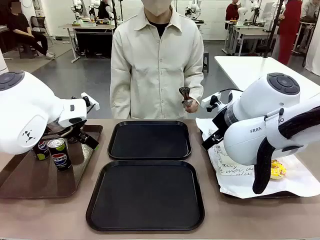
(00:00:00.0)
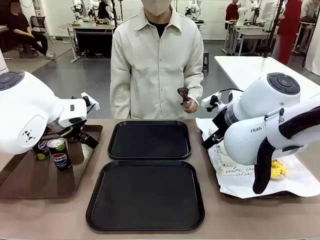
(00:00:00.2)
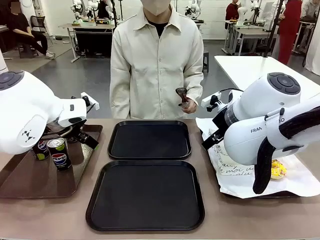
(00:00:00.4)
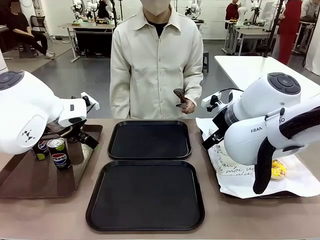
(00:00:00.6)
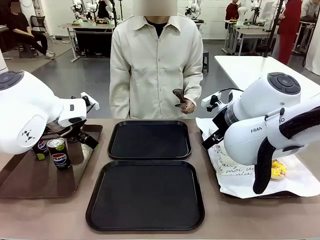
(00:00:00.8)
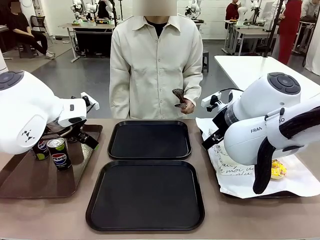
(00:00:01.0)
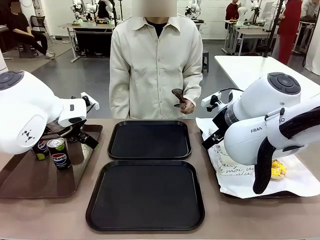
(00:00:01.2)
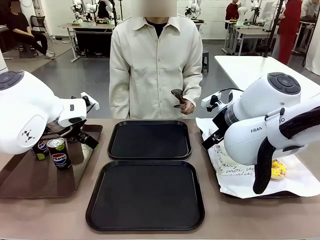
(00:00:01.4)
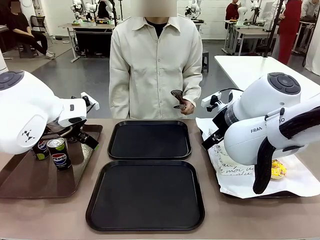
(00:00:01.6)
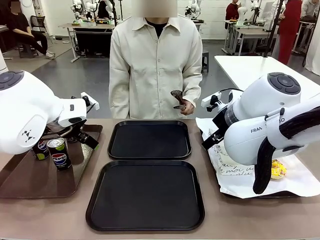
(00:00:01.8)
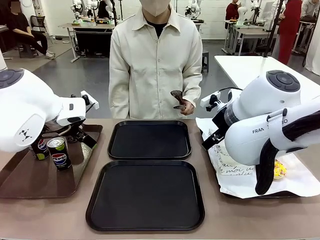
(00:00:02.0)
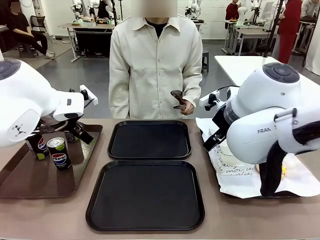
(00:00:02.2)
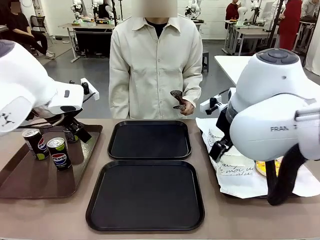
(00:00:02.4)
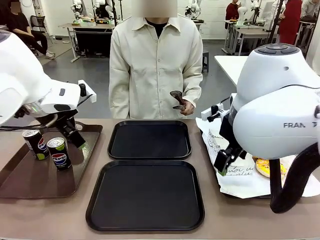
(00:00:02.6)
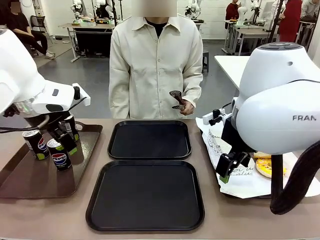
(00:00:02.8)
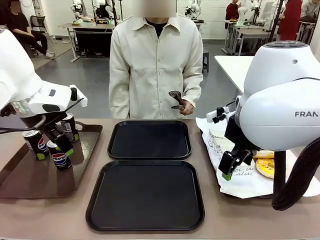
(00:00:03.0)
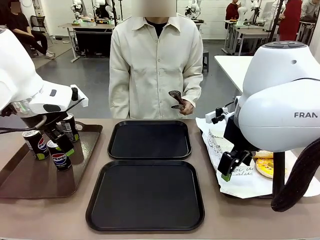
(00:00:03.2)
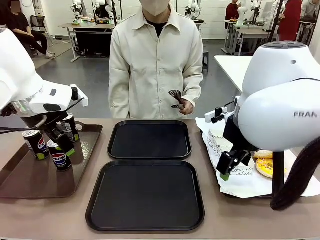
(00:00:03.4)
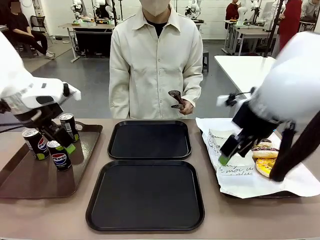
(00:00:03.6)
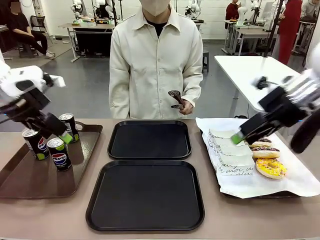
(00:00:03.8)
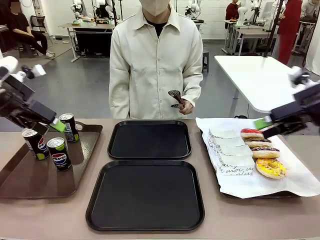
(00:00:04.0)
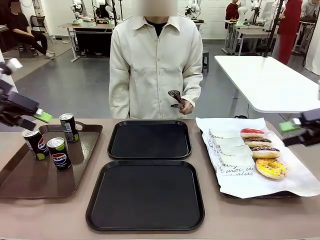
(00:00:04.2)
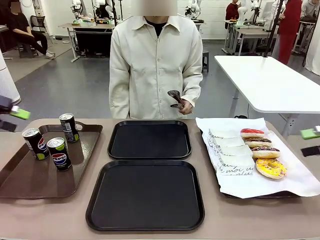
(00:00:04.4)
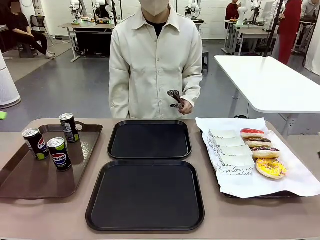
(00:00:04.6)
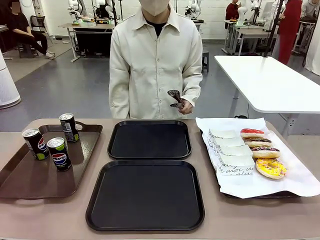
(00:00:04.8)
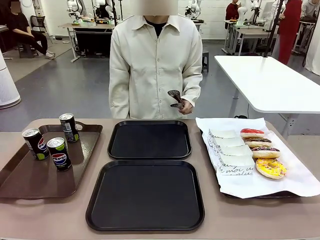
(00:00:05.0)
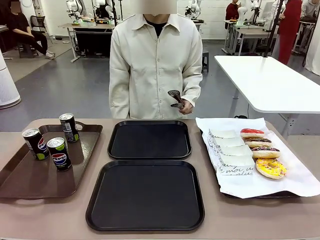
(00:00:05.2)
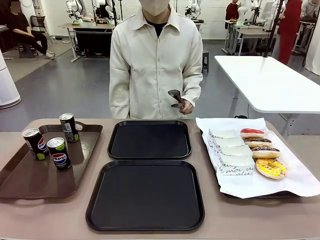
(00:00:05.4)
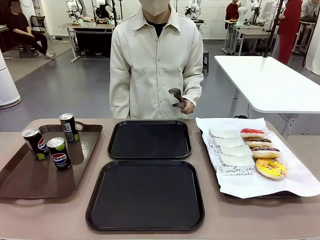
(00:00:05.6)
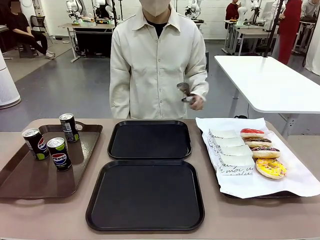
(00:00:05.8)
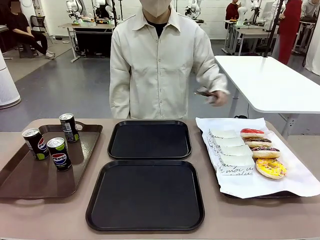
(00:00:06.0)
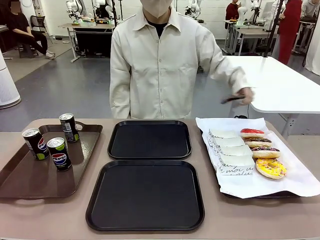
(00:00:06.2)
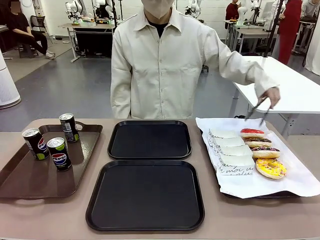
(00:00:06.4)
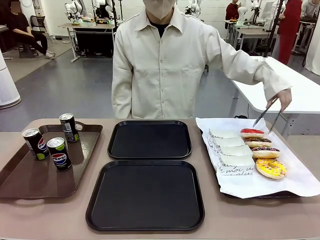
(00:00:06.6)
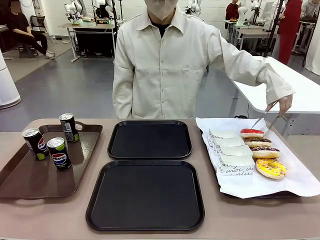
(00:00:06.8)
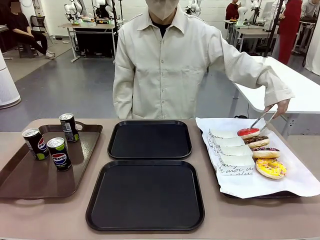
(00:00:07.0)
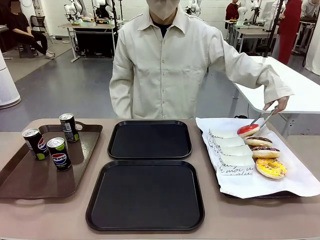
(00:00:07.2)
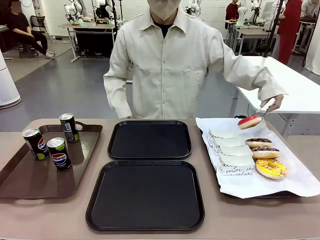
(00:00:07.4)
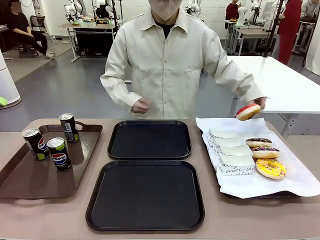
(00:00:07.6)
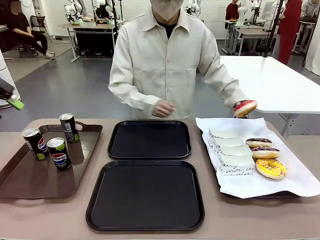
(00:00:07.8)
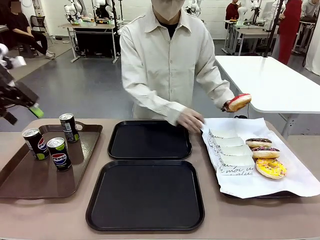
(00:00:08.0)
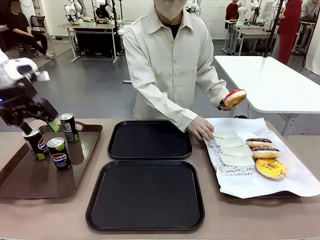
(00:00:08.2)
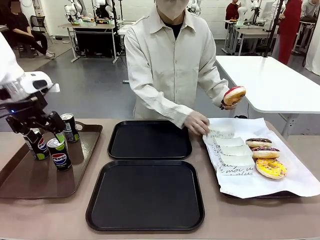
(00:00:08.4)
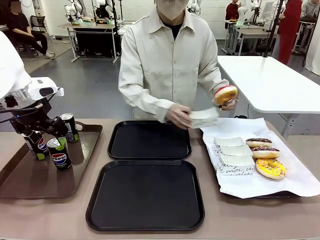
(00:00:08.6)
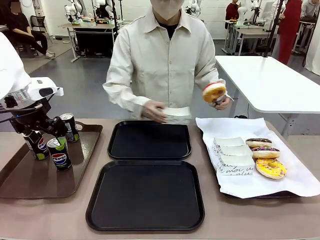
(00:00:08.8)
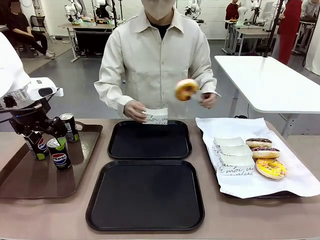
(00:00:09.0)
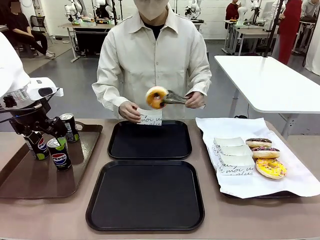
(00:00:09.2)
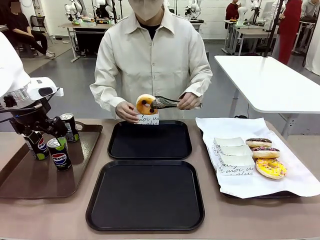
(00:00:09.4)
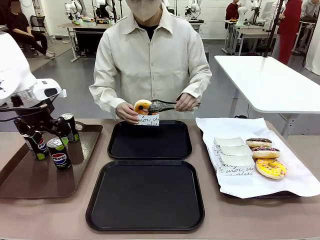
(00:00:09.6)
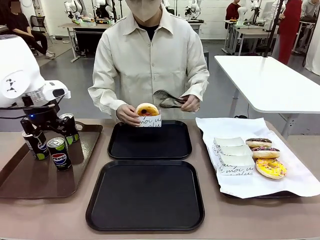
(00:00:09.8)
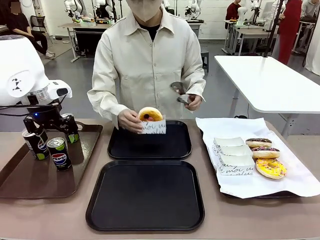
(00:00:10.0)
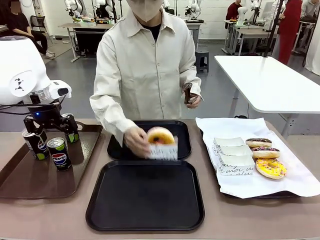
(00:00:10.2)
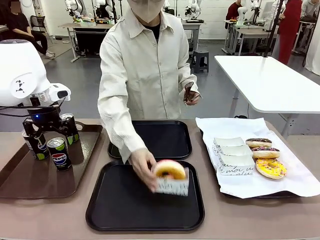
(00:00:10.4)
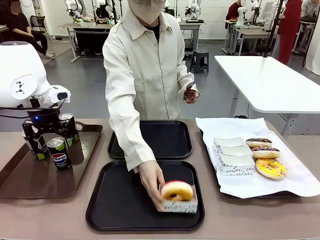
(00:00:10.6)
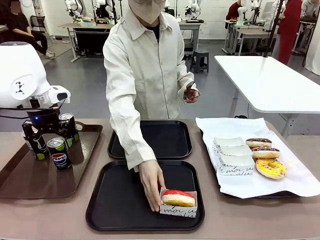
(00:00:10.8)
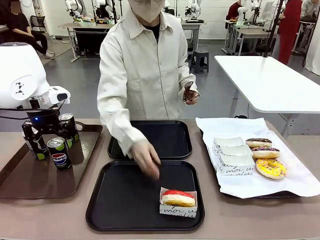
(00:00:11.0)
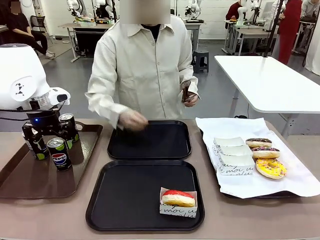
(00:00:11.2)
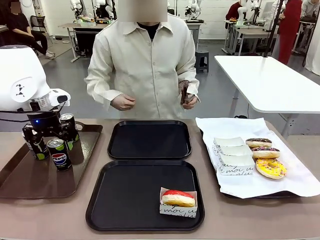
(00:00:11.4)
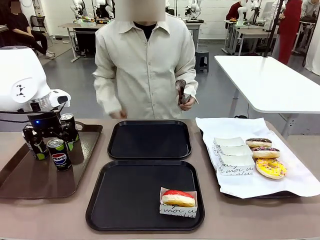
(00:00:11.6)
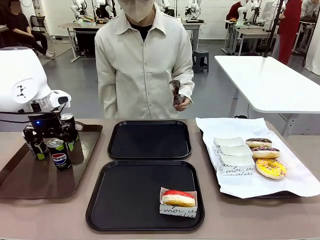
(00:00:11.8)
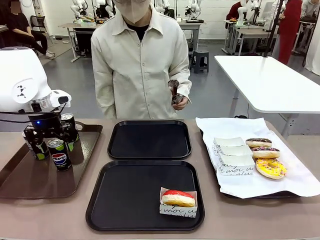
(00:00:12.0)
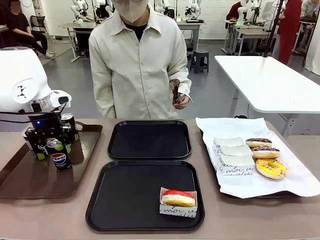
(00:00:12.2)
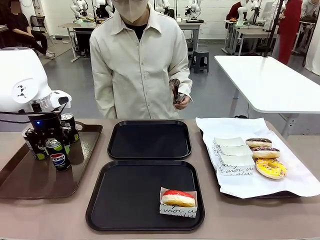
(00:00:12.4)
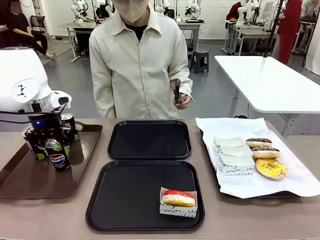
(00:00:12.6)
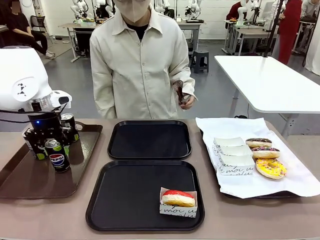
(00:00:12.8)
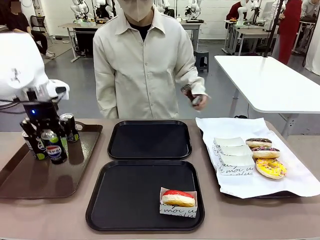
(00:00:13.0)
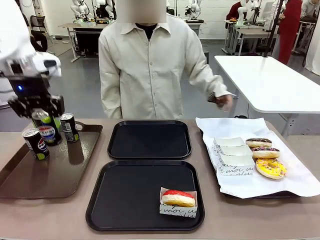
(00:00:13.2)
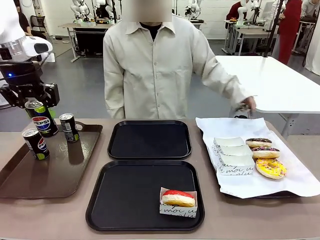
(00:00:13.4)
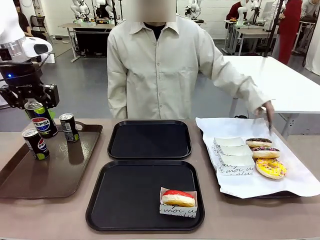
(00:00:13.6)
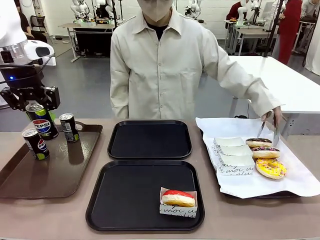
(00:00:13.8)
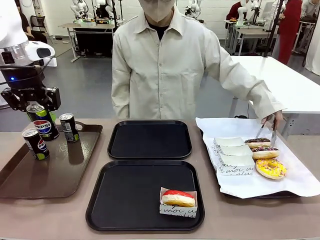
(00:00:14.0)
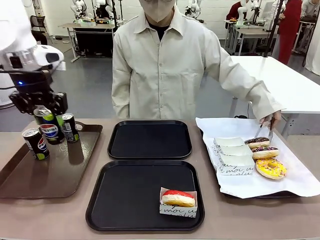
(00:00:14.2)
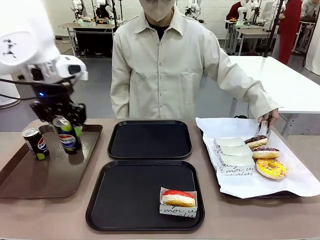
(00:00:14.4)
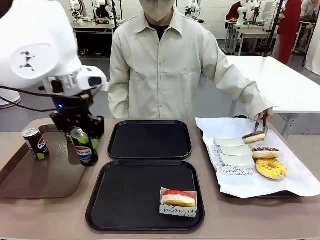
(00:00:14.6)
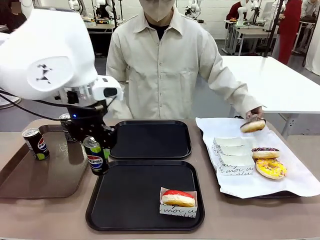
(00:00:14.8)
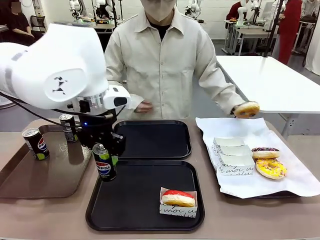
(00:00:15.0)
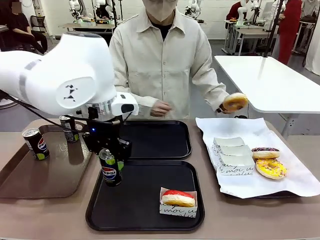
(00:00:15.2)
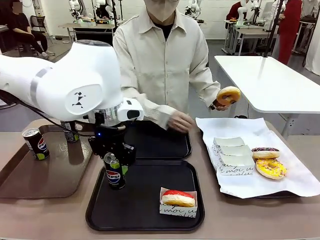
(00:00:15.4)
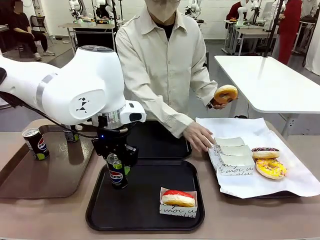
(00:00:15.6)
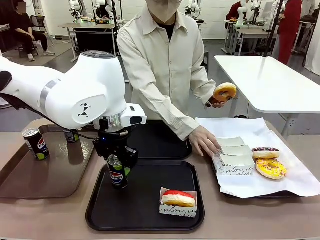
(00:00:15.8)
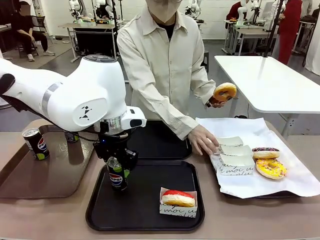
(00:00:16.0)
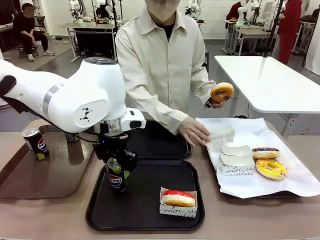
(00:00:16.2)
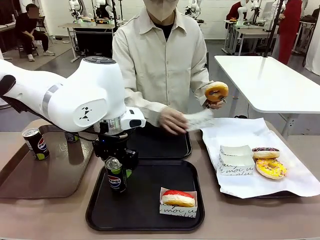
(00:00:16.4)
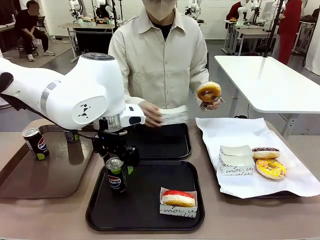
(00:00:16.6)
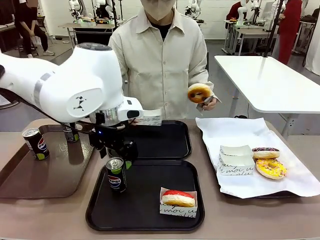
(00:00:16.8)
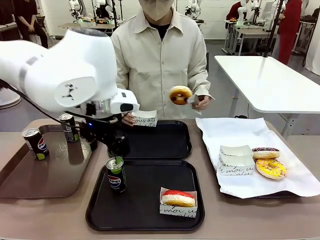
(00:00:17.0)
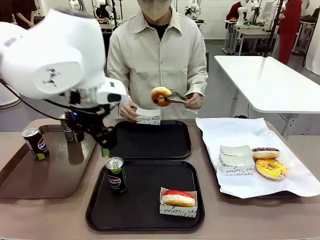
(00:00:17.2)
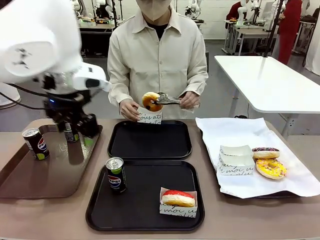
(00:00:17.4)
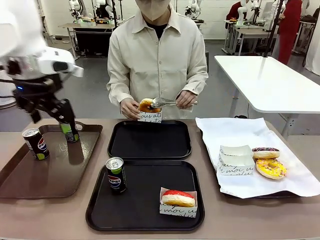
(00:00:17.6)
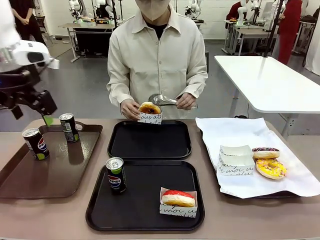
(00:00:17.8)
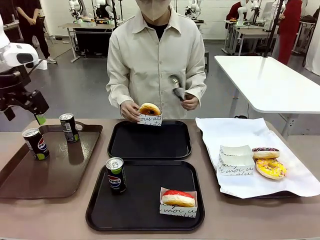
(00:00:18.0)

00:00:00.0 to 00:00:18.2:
Task: Set up donuts and drinks on trays.
Robot: Pick up one Pepsi coke and place it on the Flat Tray.
Person: Pick up one donut with tongs, place it in the donut tray, and then place the donut tray on the flat tray.
